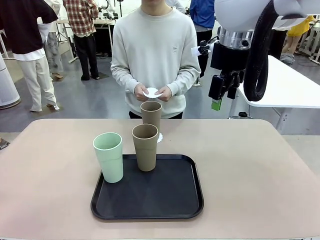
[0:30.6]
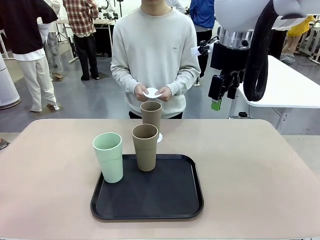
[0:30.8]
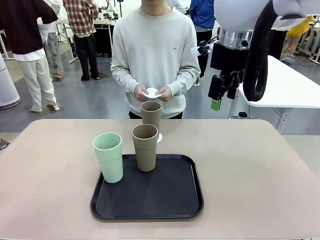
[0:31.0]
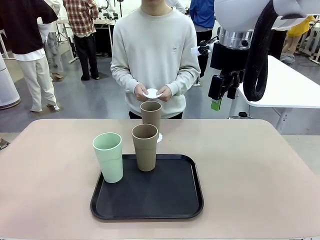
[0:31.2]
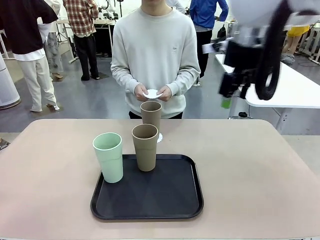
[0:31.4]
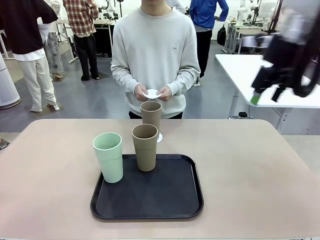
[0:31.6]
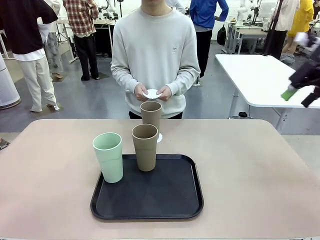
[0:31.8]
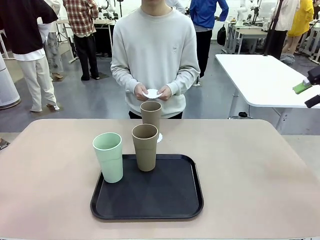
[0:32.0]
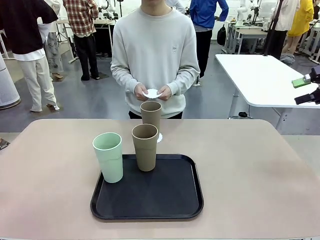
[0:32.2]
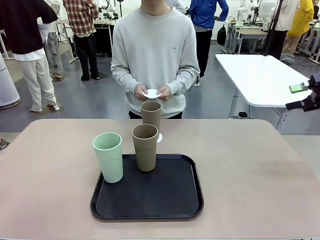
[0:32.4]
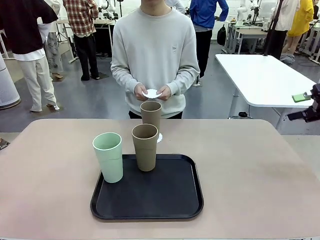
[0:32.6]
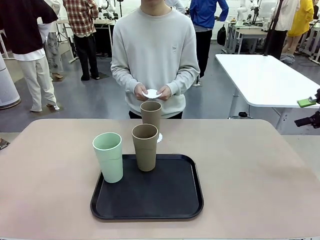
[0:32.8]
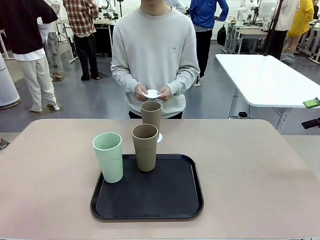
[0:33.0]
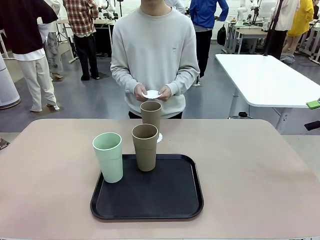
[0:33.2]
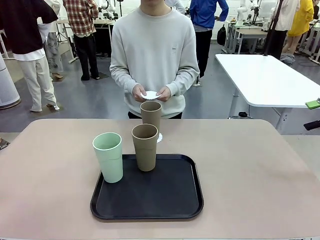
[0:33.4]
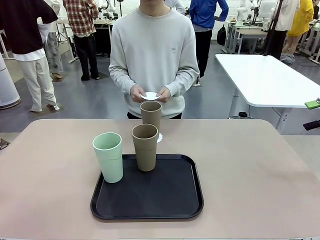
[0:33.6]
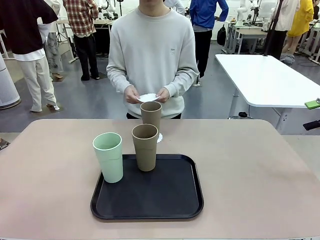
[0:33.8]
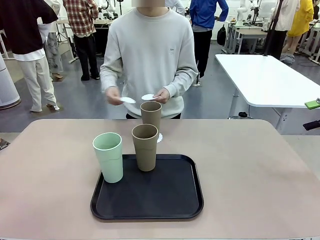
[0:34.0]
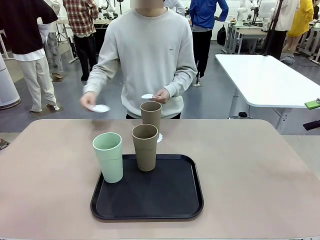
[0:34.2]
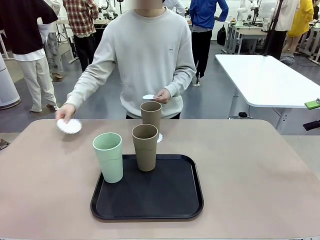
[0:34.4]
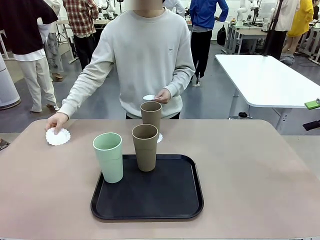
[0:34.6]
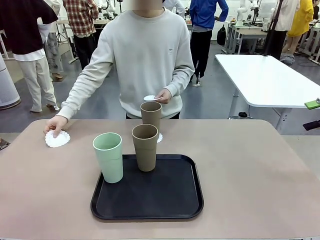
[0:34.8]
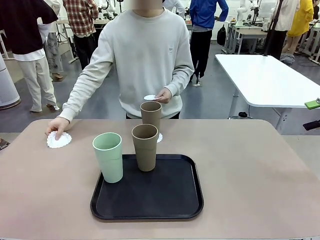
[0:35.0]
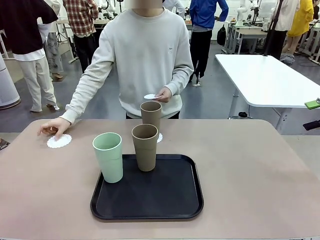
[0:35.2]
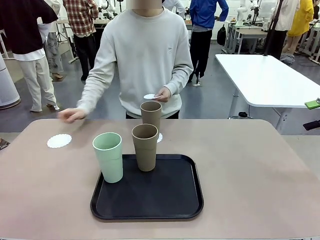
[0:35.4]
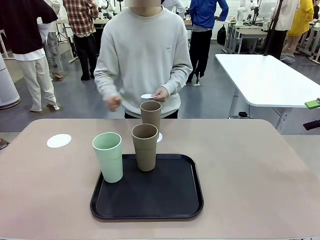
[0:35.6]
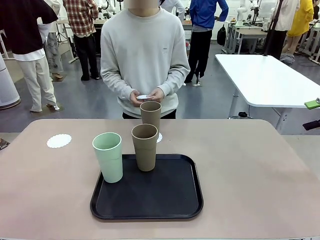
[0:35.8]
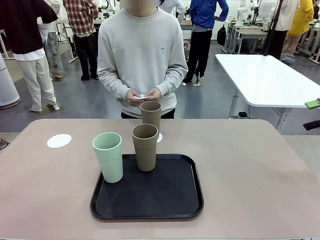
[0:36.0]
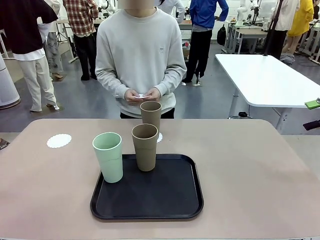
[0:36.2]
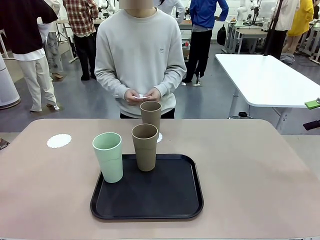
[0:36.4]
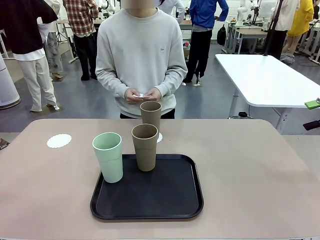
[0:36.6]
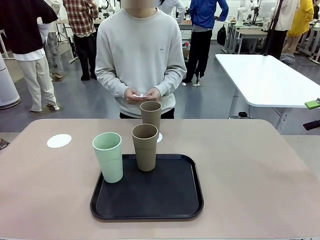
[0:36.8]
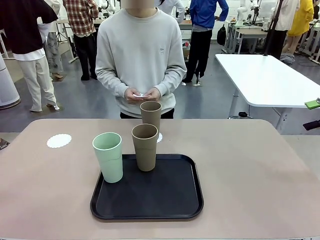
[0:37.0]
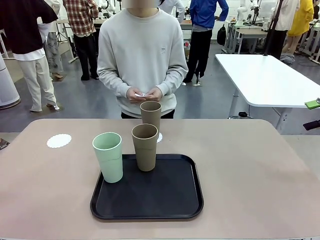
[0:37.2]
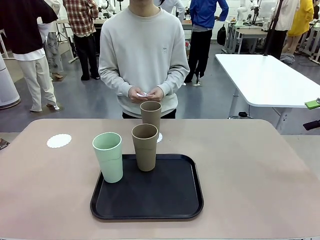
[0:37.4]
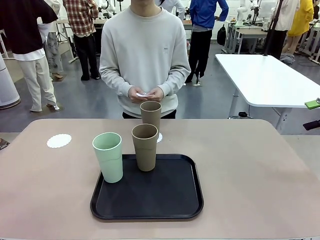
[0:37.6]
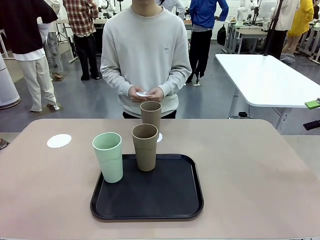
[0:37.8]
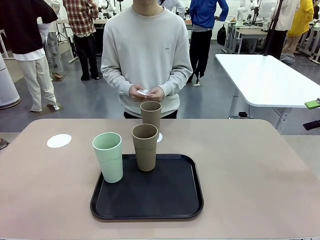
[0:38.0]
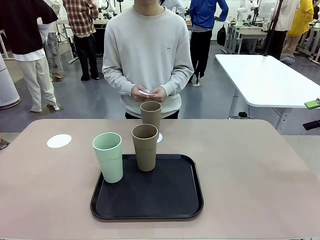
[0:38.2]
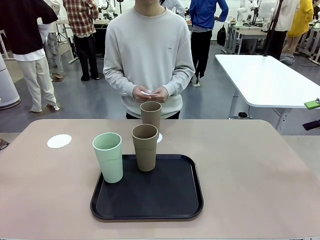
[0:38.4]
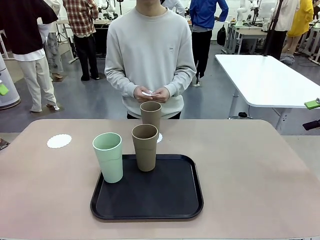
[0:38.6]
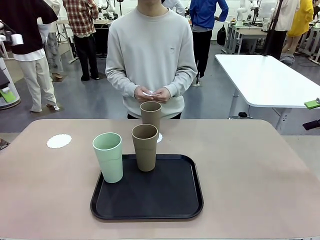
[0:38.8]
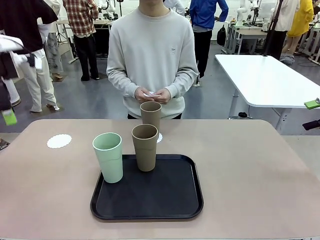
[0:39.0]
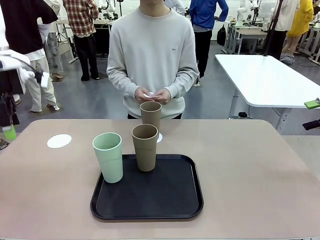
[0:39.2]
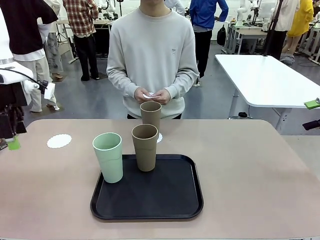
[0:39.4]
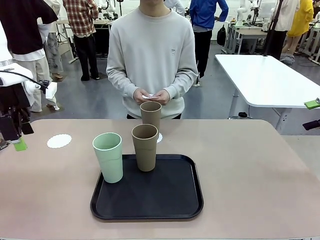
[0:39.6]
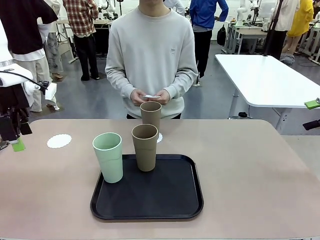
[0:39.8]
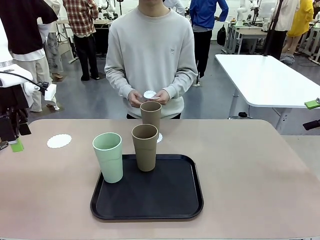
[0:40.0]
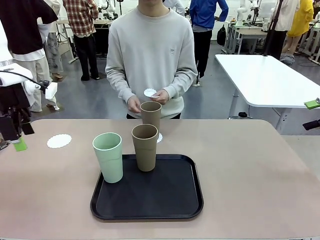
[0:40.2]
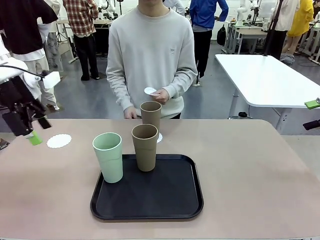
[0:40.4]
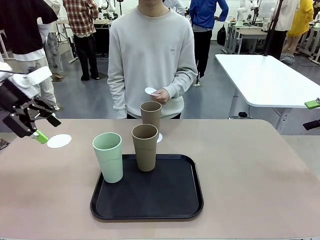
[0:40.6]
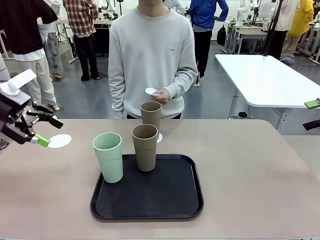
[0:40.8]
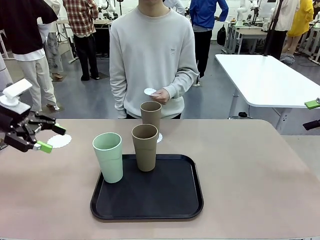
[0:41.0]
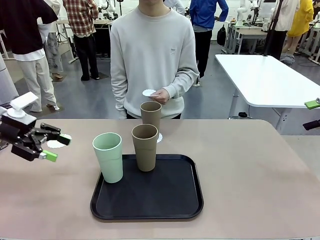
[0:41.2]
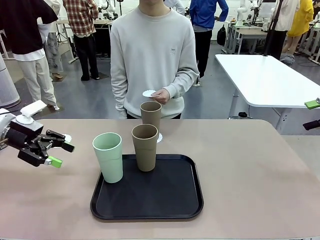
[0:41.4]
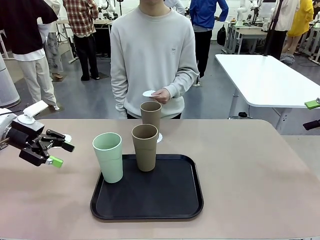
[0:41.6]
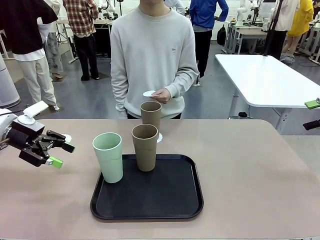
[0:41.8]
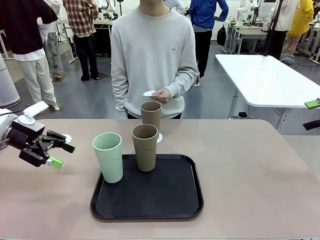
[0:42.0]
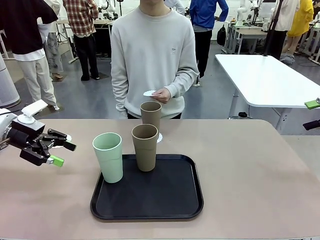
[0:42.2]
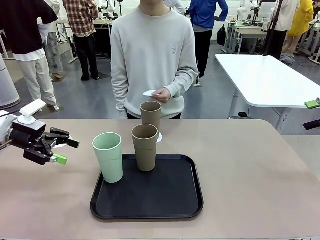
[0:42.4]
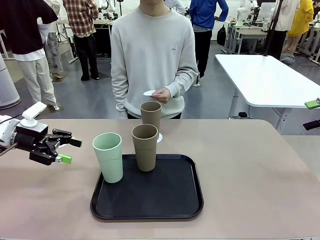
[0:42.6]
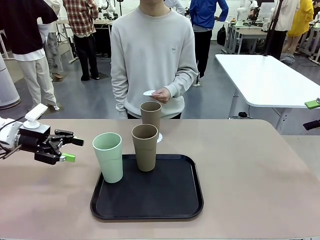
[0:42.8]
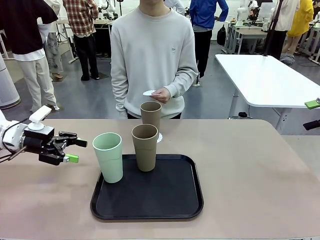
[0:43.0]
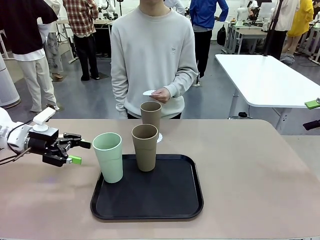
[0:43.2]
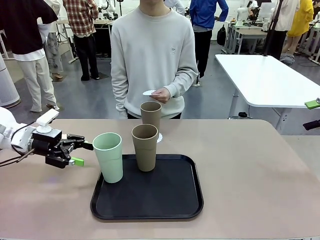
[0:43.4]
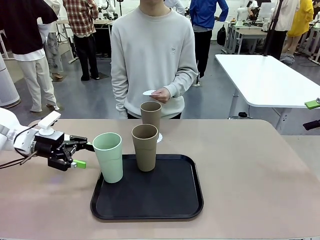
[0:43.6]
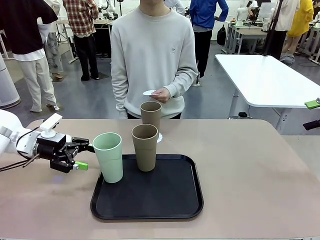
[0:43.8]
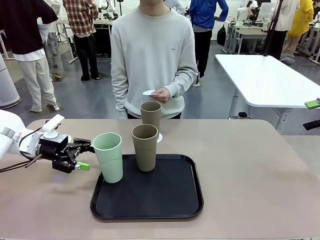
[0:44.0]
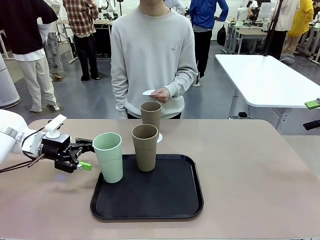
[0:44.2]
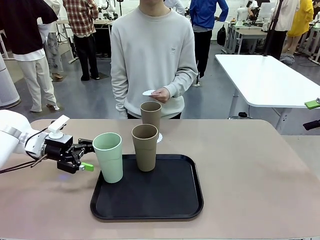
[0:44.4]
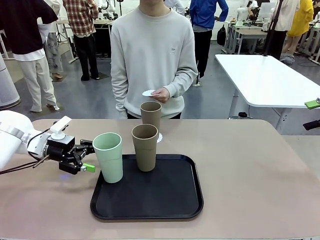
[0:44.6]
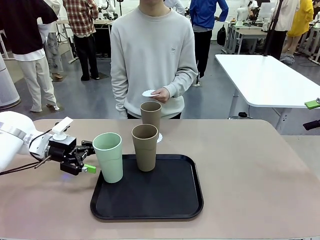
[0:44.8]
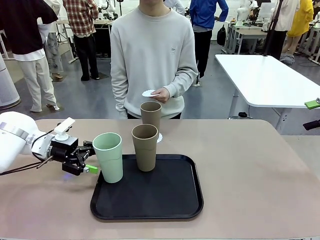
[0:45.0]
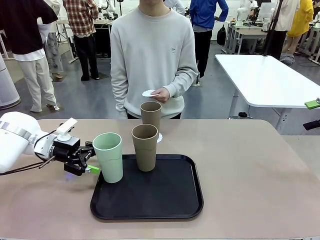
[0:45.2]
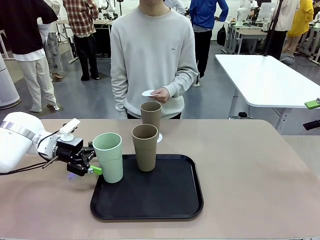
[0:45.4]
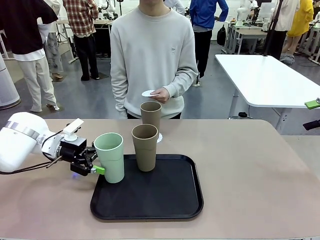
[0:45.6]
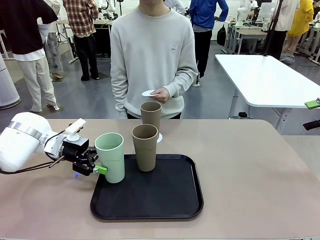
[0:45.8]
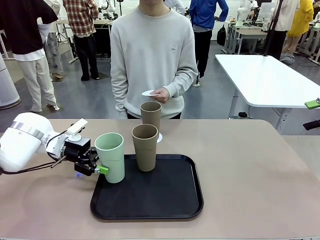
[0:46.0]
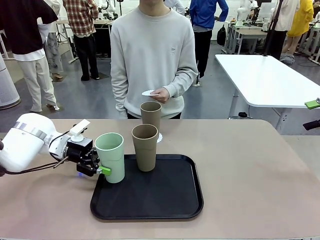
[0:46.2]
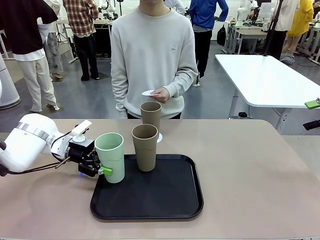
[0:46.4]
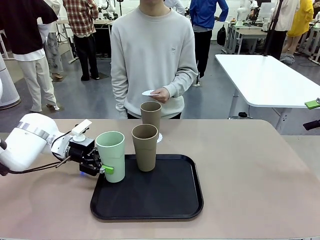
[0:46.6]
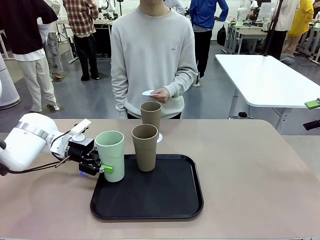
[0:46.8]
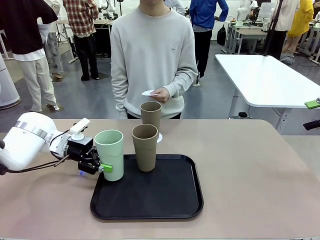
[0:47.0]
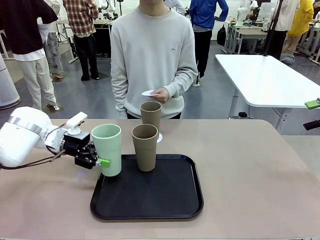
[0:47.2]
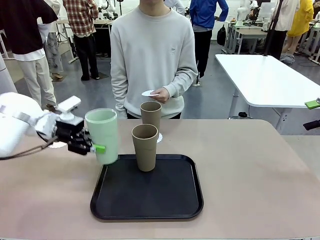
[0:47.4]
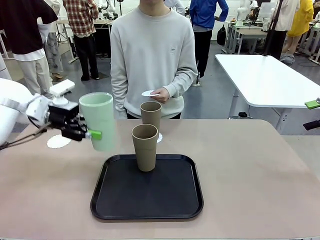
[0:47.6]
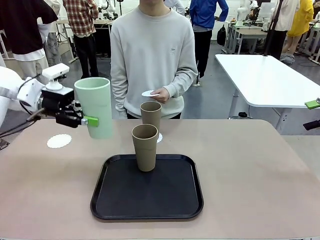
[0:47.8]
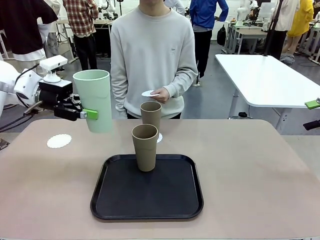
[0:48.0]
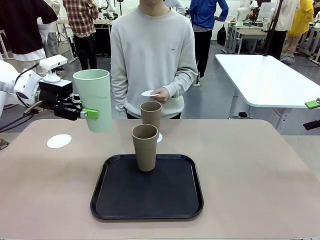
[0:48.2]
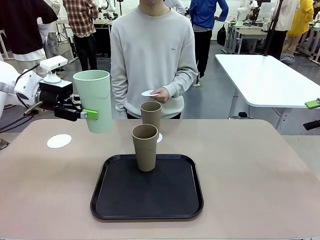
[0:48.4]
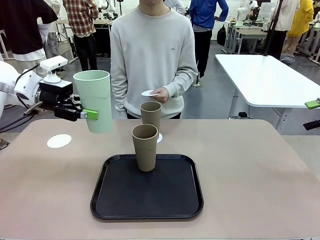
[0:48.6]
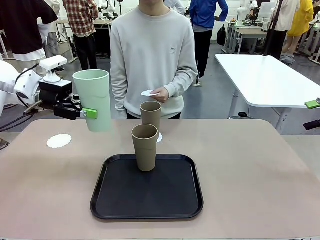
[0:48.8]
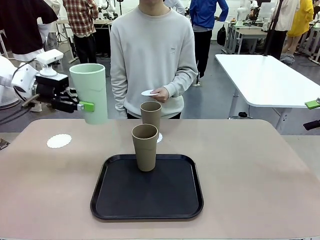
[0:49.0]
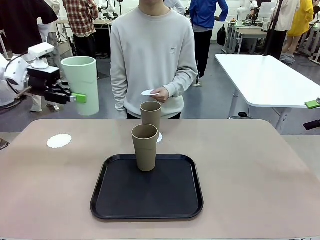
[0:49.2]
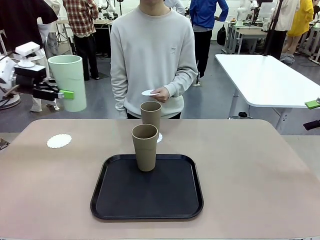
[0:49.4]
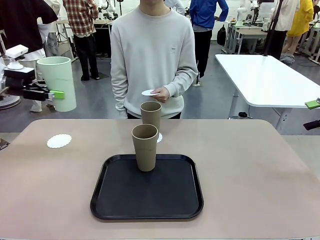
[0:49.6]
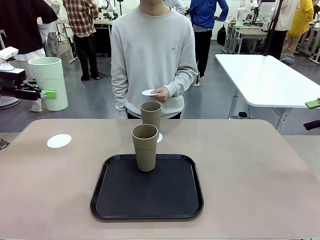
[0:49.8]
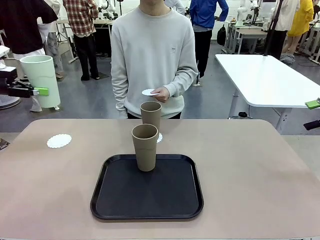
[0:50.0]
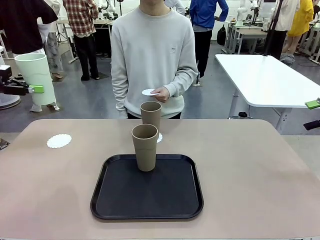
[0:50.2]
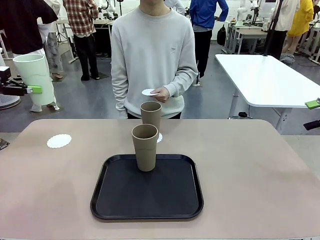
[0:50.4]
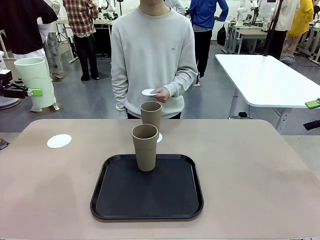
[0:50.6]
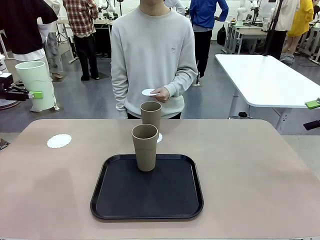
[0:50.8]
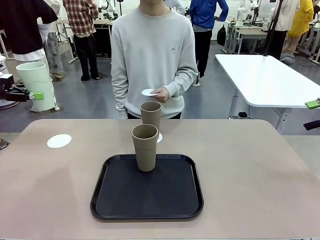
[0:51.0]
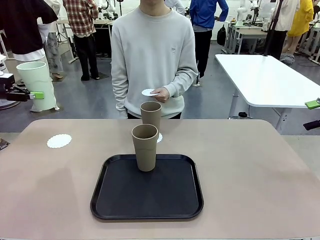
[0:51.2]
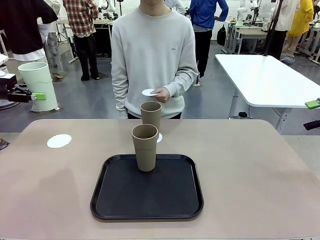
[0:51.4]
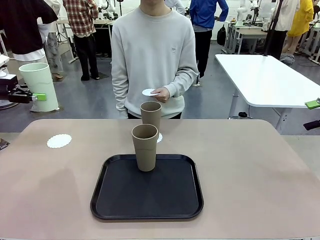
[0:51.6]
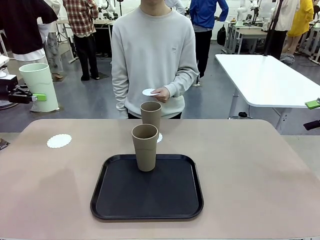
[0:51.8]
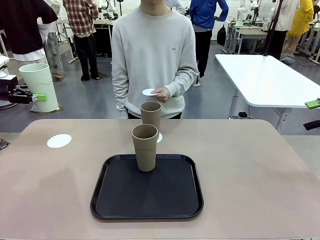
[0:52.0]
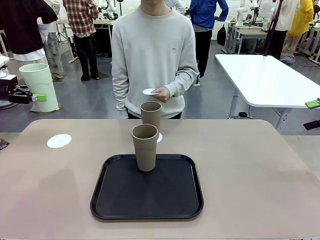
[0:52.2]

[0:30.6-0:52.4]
Task: Place coasters on the table and set cups on them.
Robot: Take one Reusable plastic cup from the Flat Tray and place it on a coaster set by the human.
